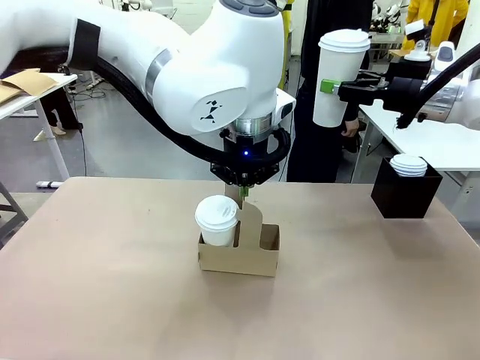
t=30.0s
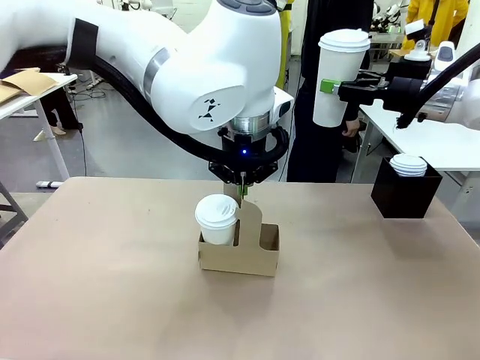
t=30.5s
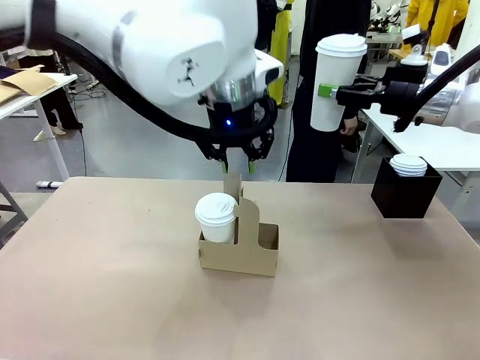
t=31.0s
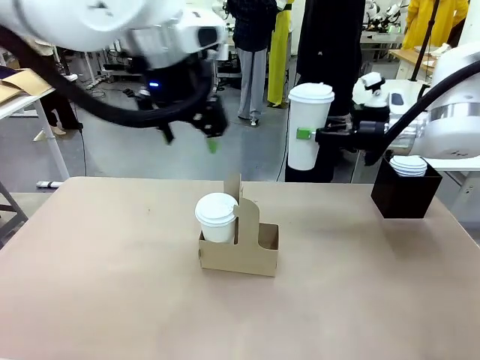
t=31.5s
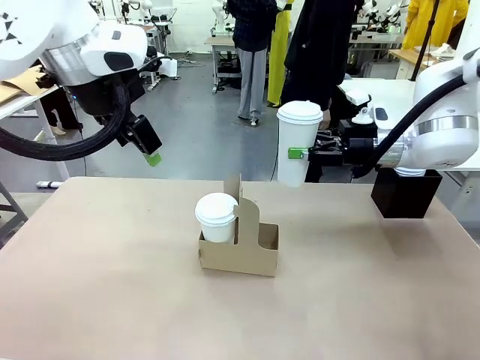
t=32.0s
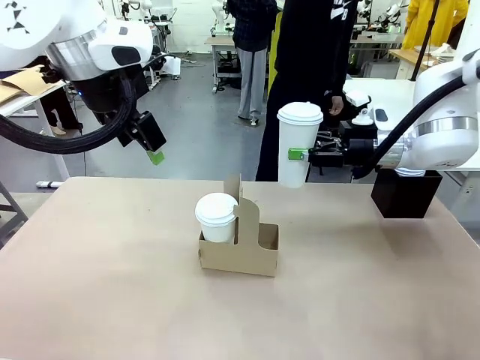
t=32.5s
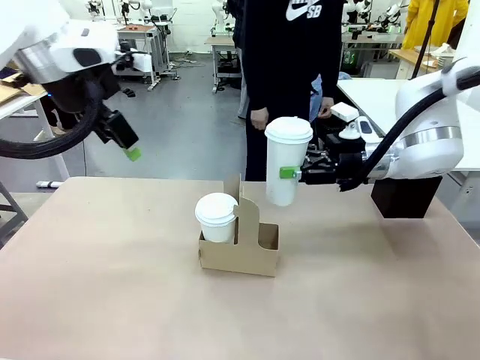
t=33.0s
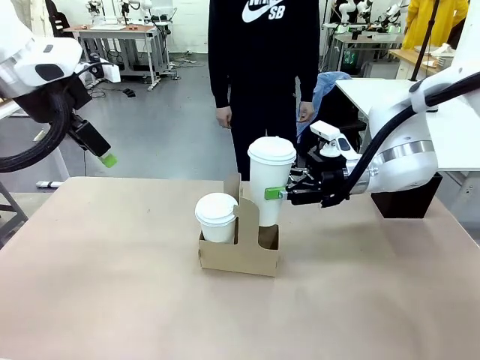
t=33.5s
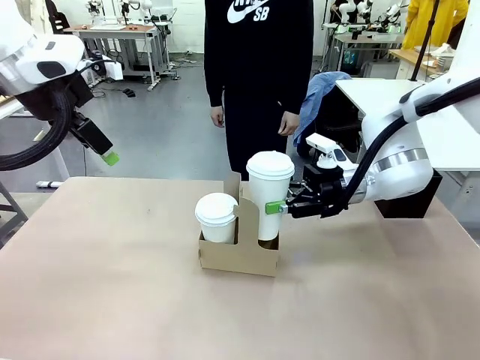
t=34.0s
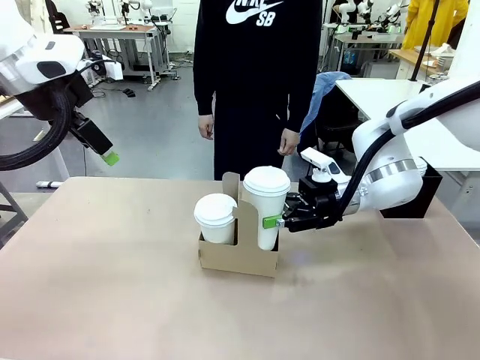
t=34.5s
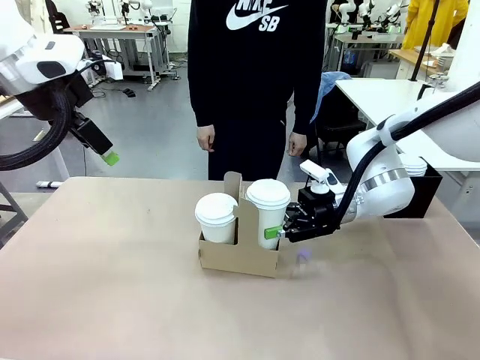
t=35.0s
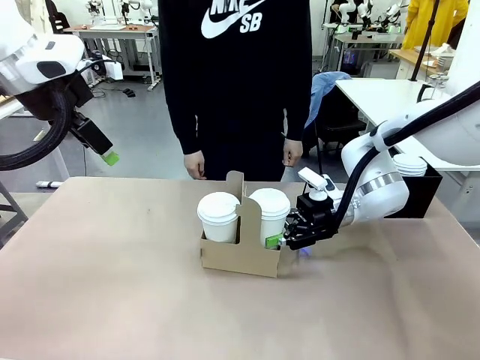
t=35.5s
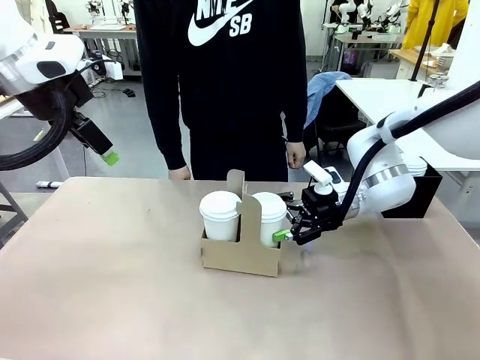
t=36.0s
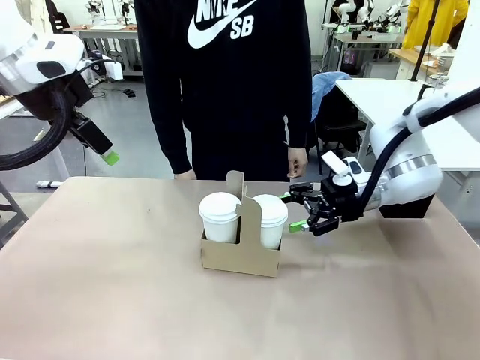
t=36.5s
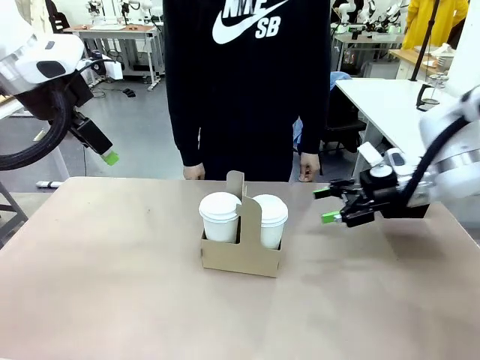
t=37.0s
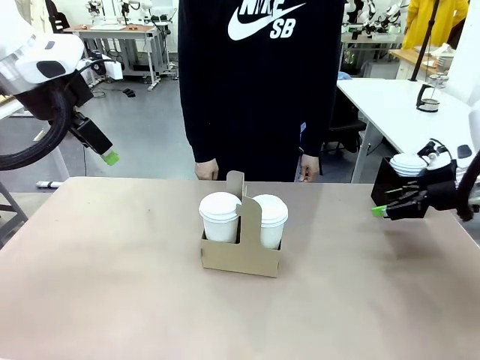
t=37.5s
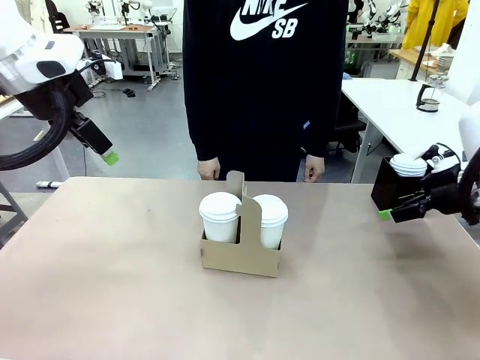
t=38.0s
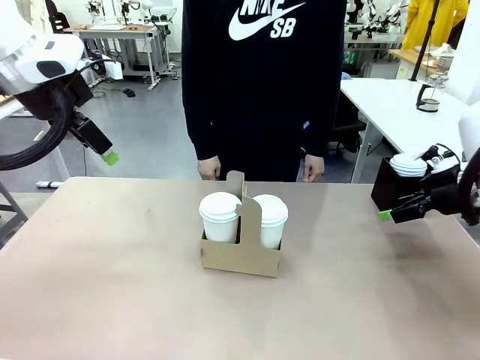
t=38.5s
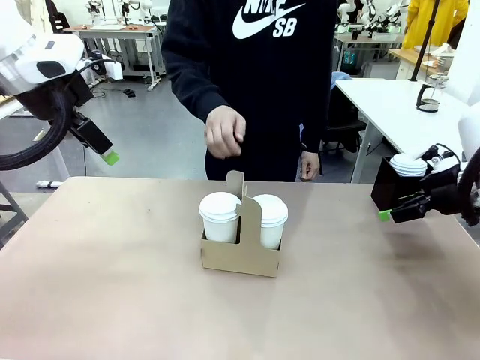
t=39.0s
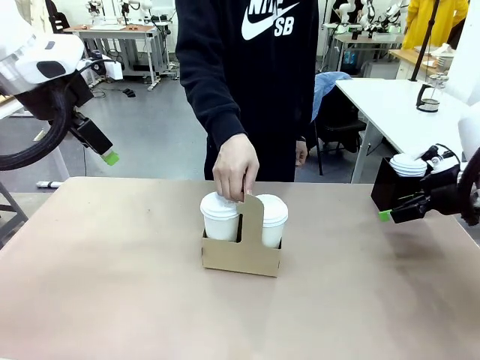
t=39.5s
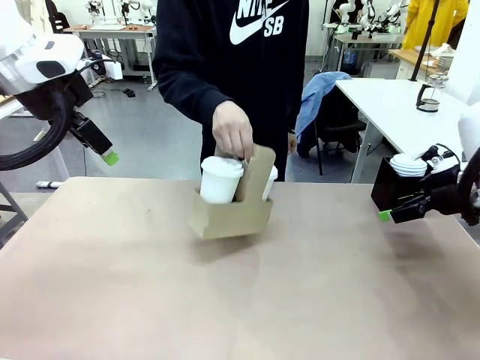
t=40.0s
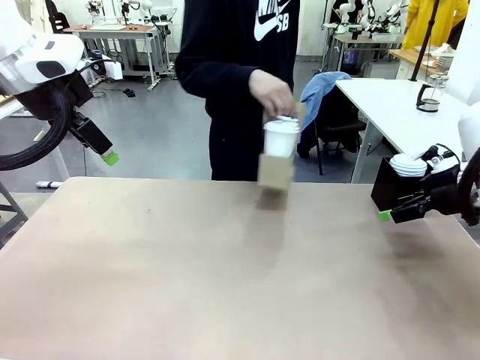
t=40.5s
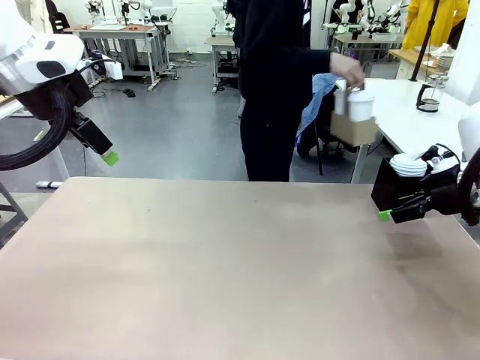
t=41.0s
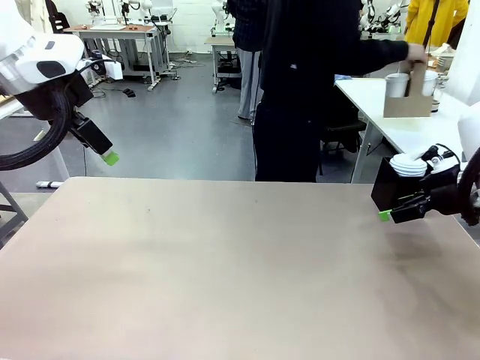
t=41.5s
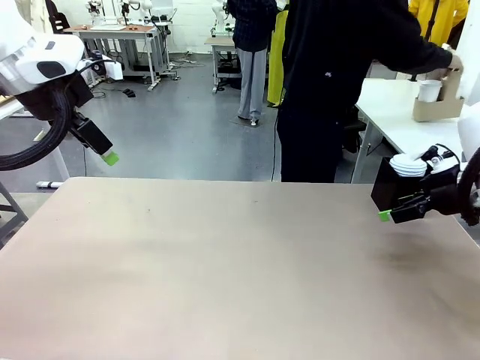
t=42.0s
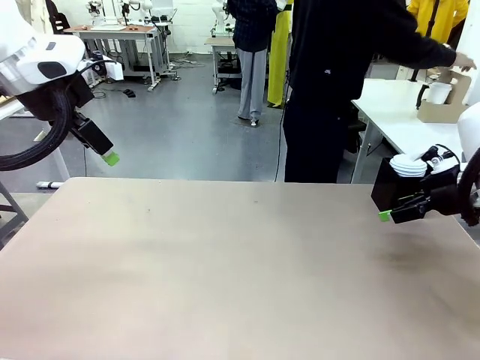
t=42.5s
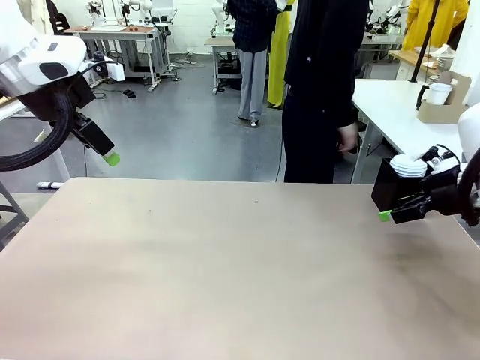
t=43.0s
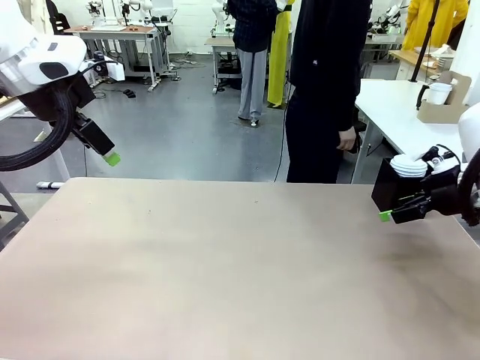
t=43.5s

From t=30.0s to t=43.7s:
Task: Pour a drink into a cup and package it in a carrier.
Robot: Insert the held 600 ml Paper Cup into the Cup Carrier.
Person: Place the Cup Carrier to the middle of Human table.

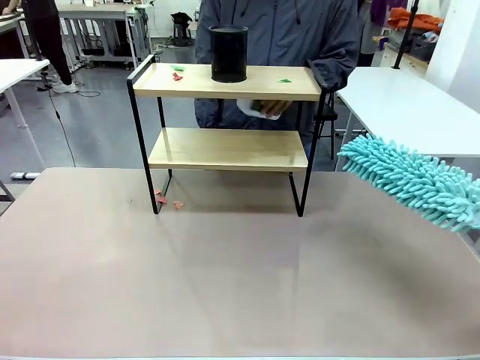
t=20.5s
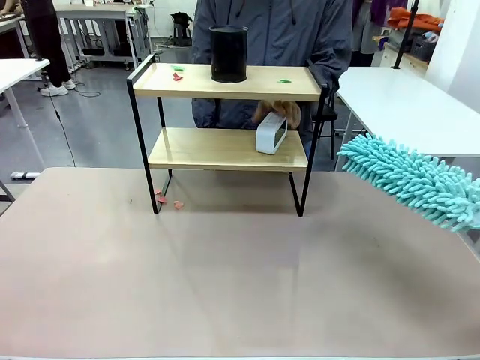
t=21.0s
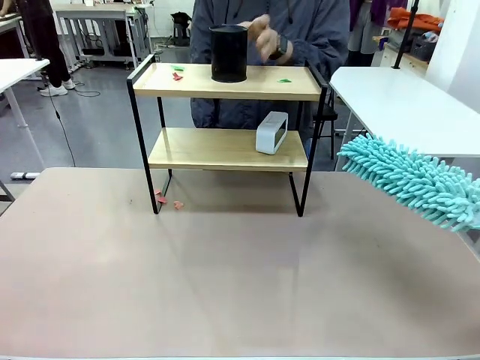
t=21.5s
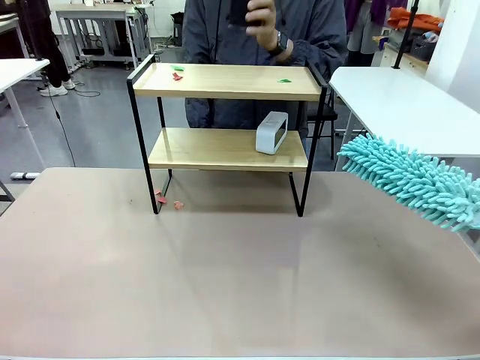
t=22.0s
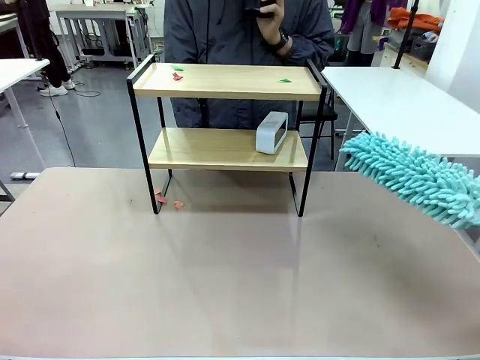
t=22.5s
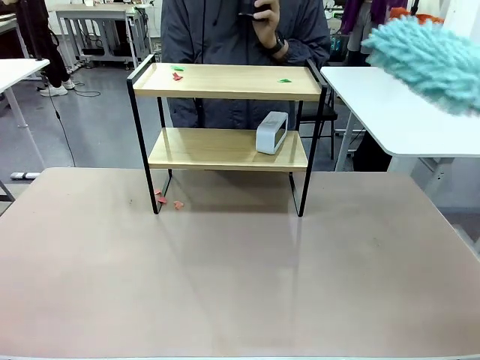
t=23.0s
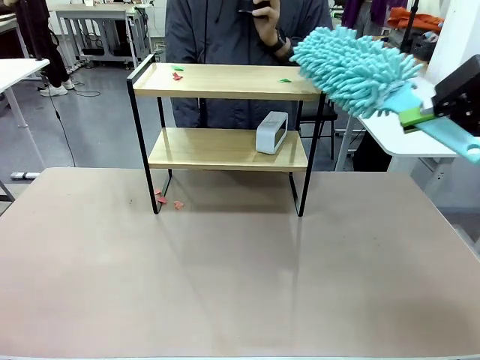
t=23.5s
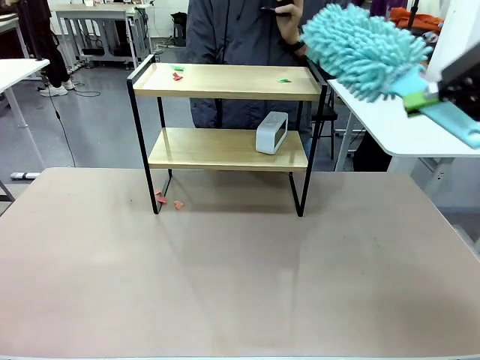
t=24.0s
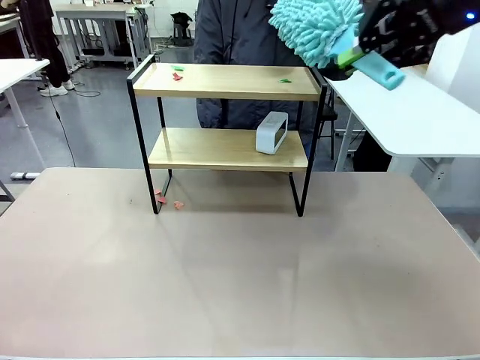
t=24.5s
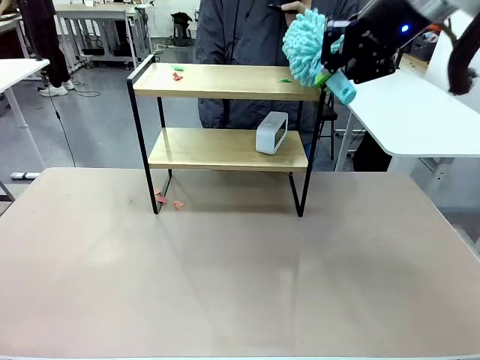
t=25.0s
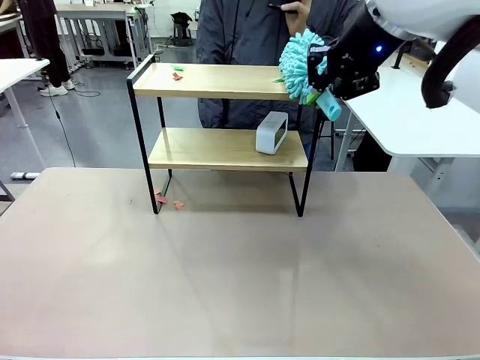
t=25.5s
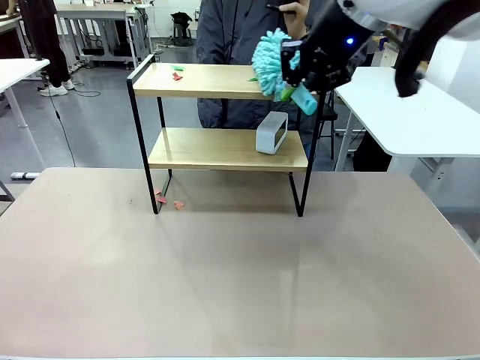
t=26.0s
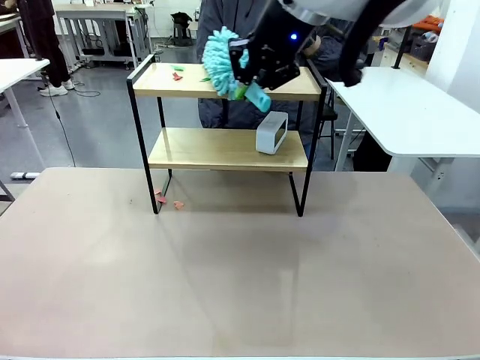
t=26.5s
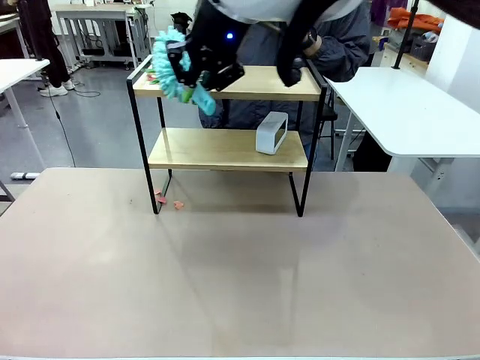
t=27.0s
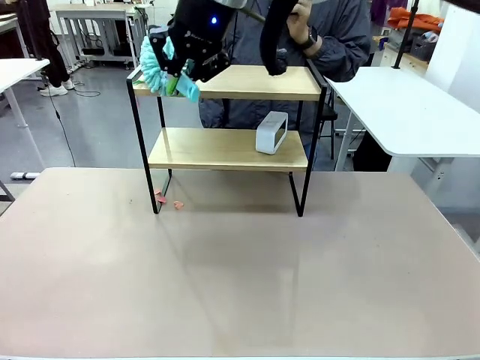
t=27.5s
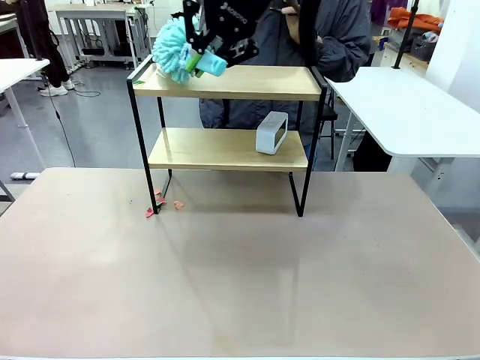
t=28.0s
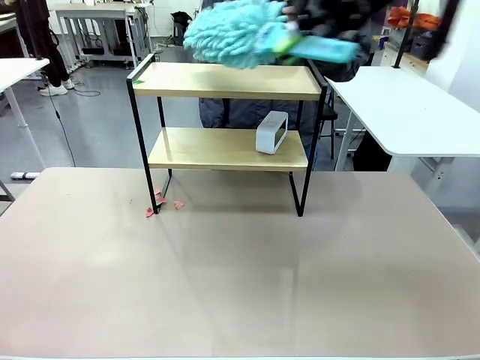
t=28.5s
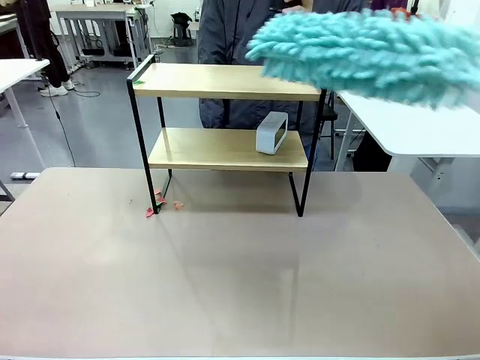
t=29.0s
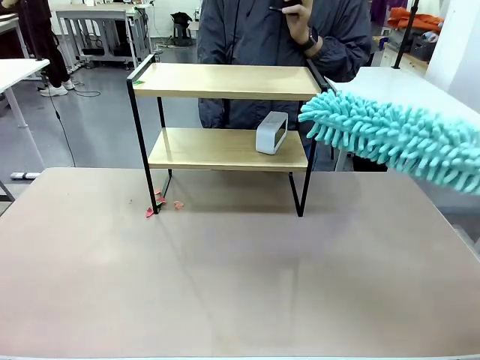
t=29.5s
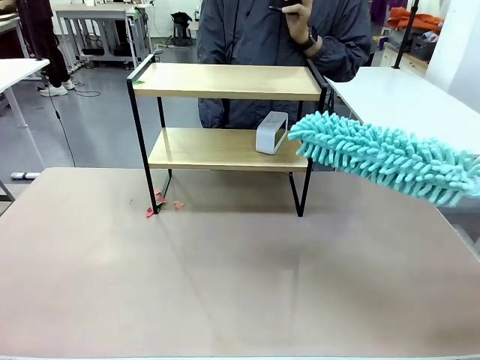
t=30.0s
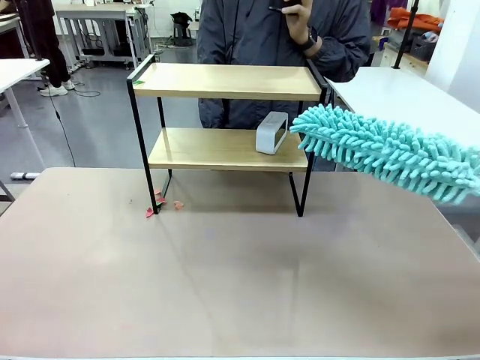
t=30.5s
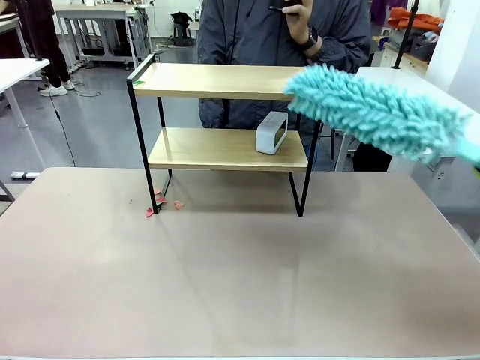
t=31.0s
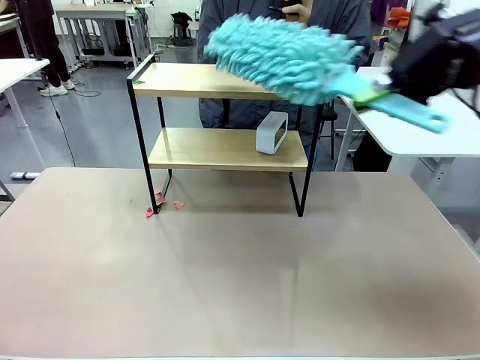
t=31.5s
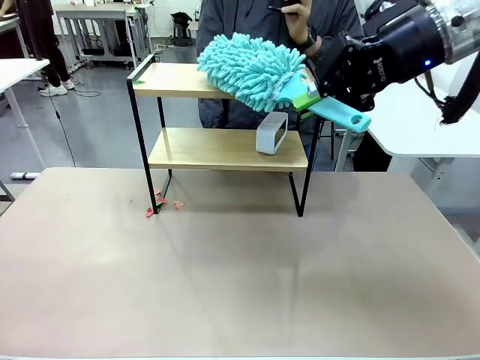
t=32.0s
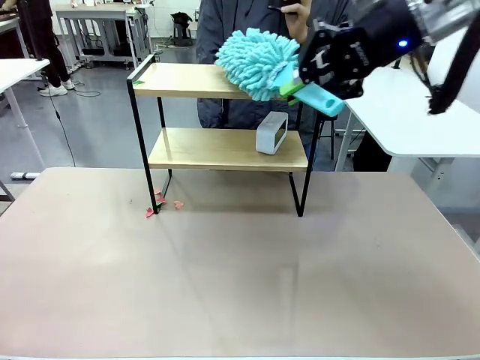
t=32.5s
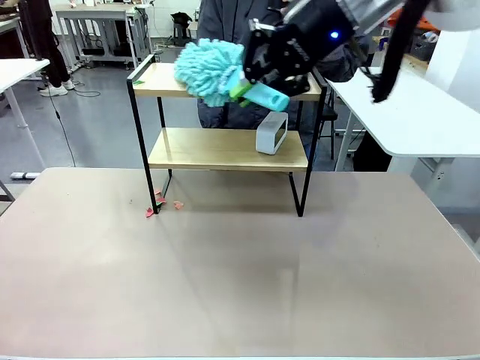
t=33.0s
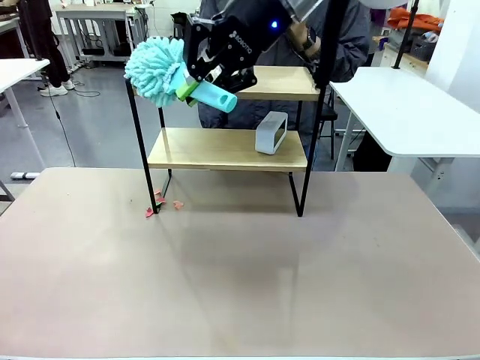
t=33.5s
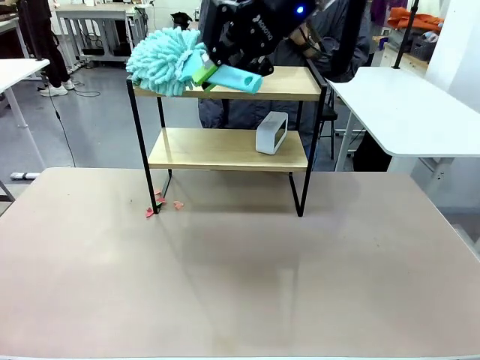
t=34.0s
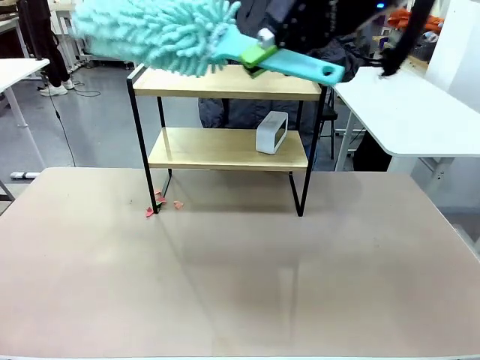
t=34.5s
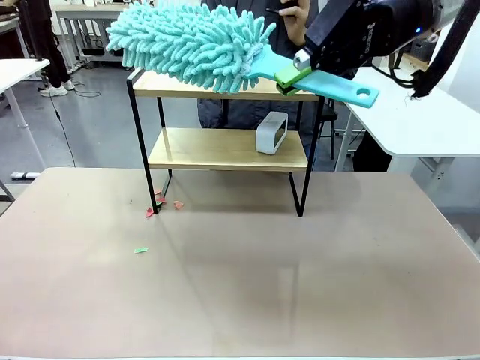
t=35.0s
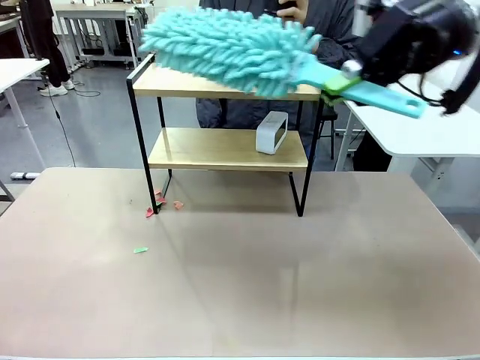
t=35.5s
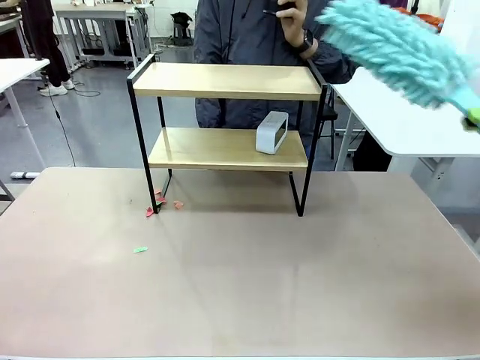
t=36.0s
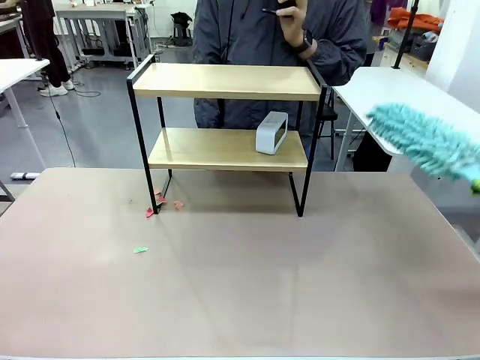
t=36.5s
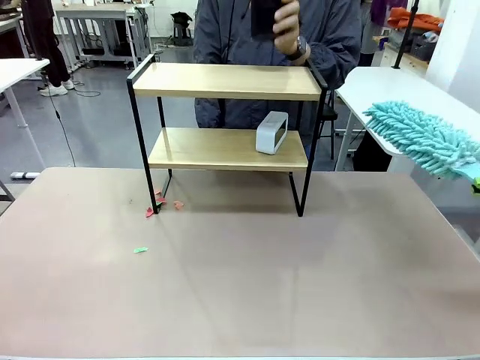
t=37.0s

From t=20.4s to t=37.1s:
Task: Clean the shelf.
Robot: Clean the remaining tier of the Shelf with the Duster once objects are removed.
Person: Receive the Duster from the robot.
